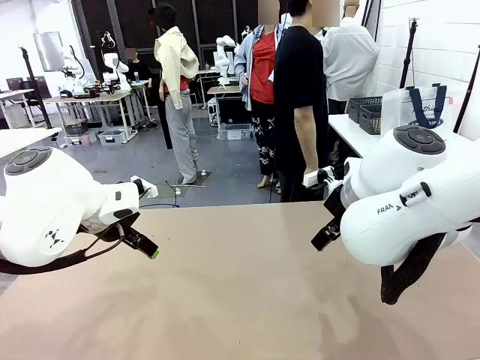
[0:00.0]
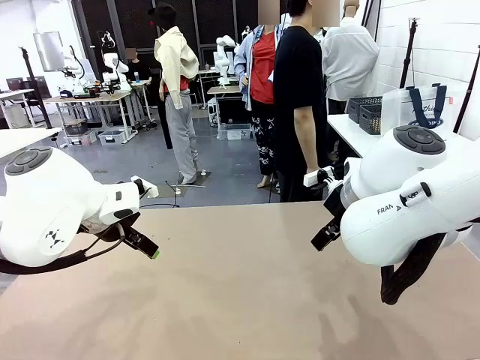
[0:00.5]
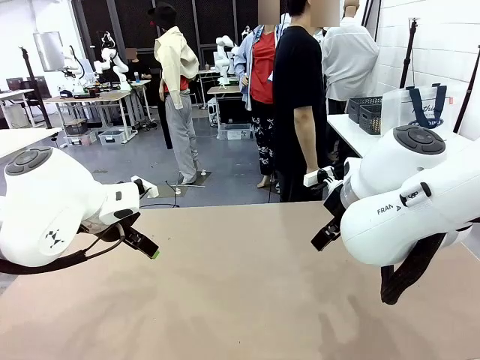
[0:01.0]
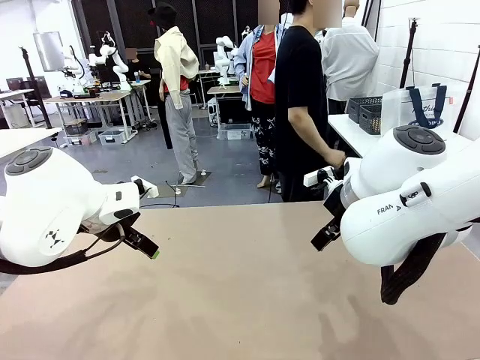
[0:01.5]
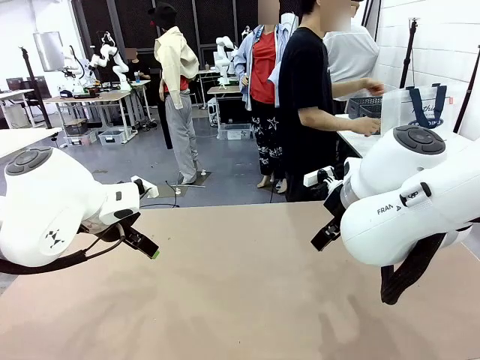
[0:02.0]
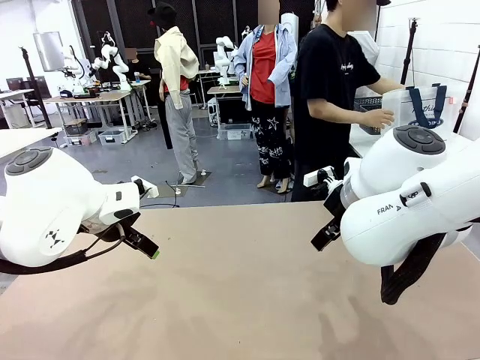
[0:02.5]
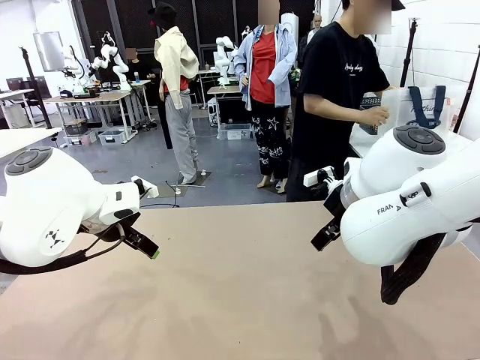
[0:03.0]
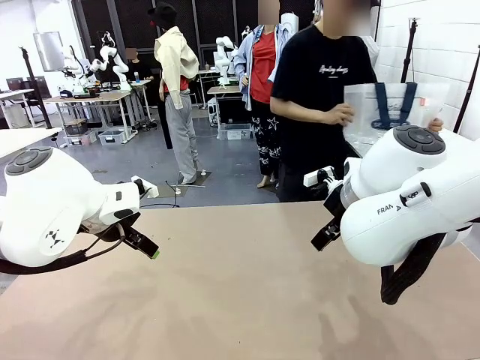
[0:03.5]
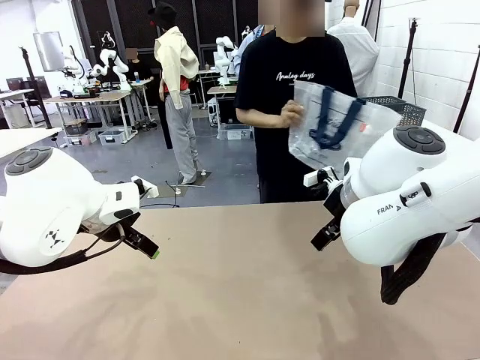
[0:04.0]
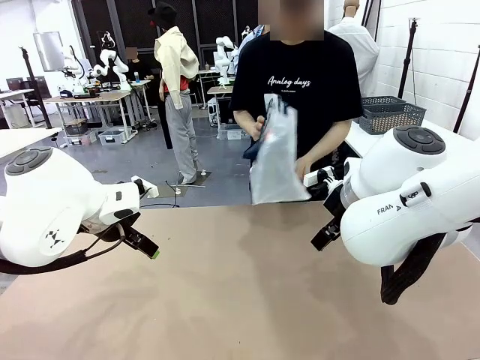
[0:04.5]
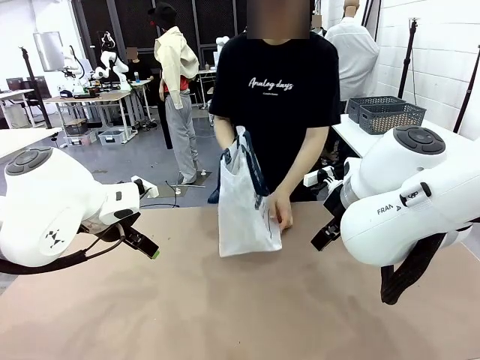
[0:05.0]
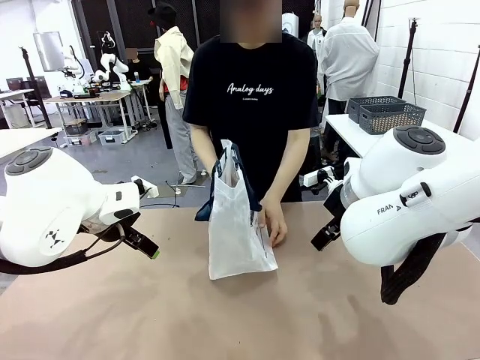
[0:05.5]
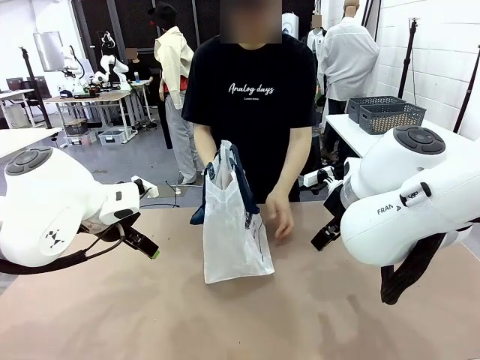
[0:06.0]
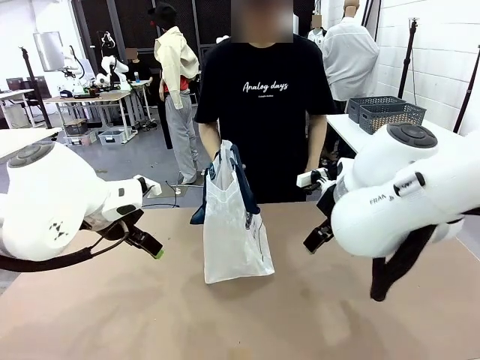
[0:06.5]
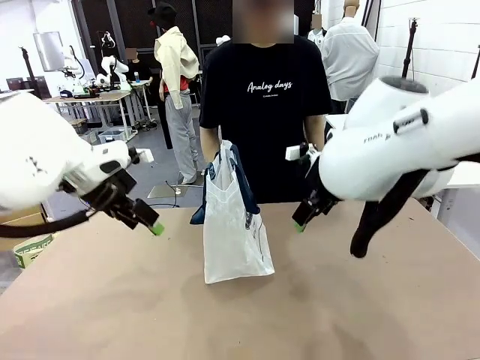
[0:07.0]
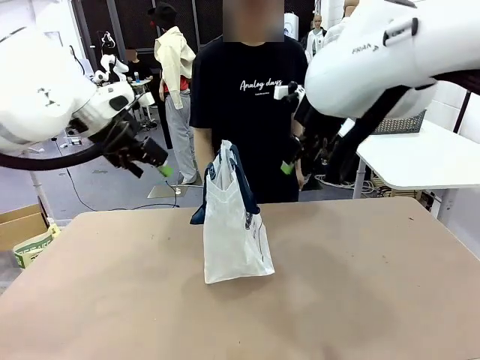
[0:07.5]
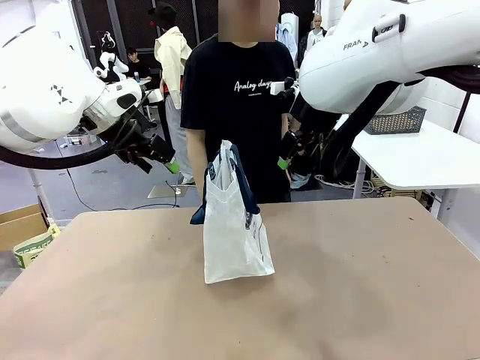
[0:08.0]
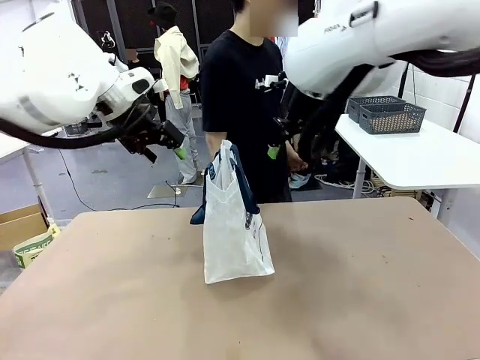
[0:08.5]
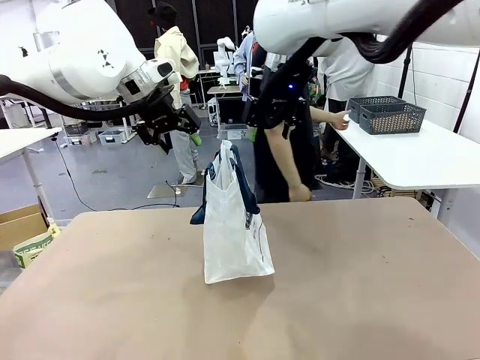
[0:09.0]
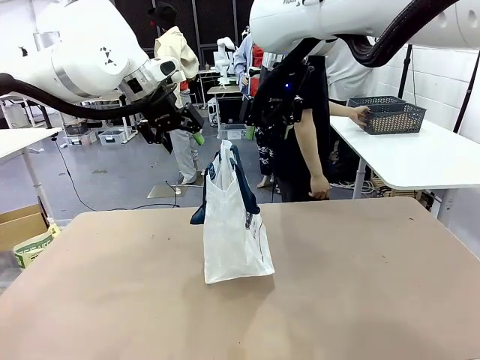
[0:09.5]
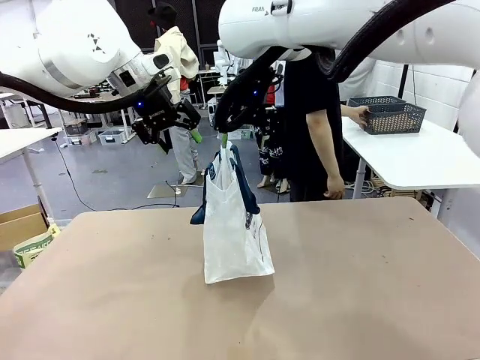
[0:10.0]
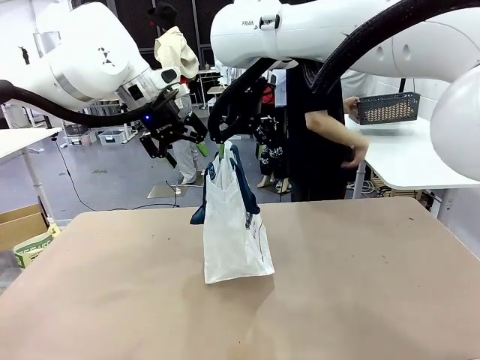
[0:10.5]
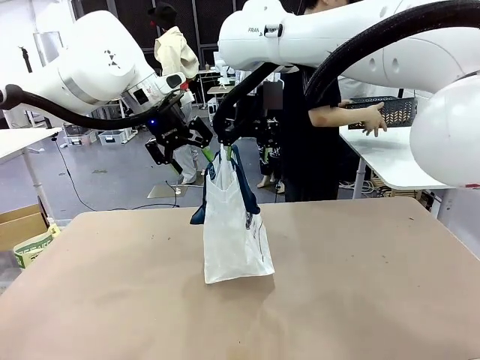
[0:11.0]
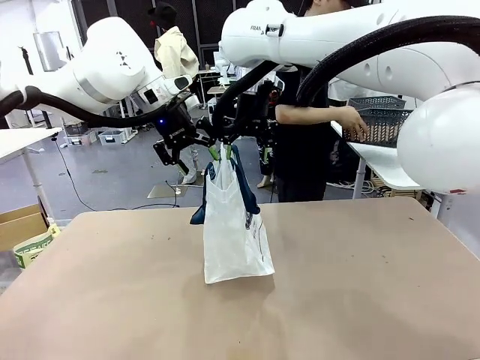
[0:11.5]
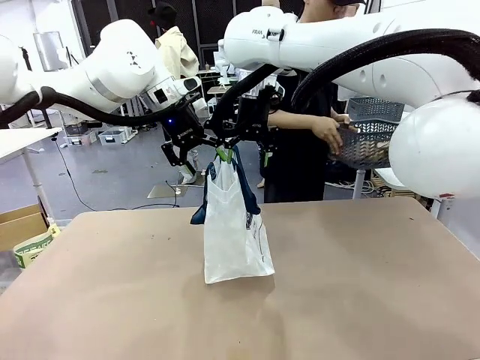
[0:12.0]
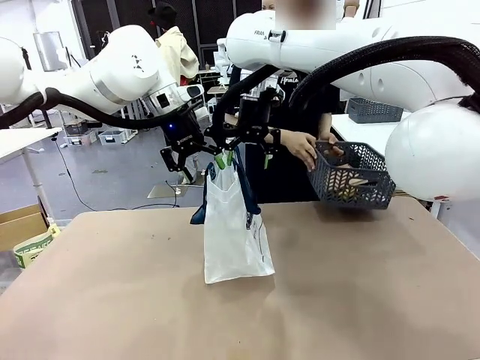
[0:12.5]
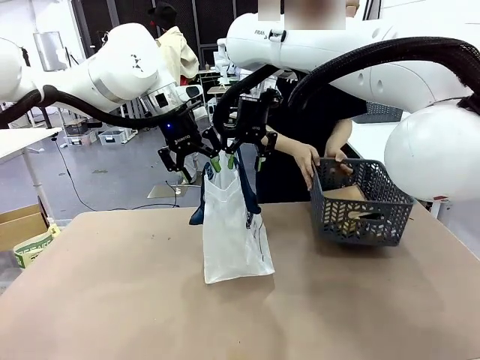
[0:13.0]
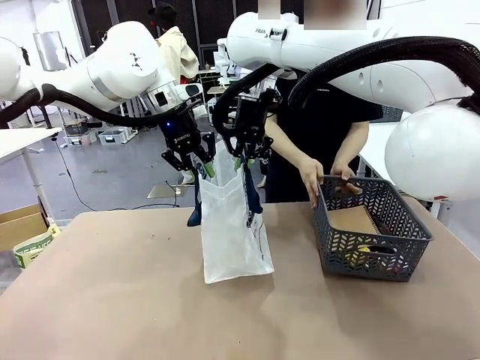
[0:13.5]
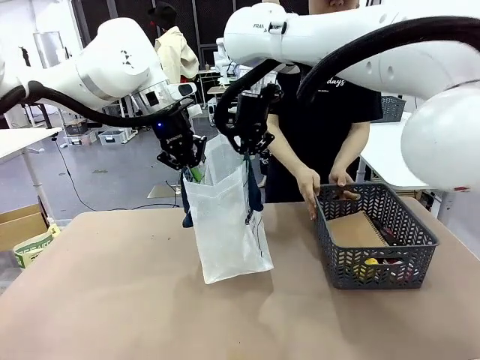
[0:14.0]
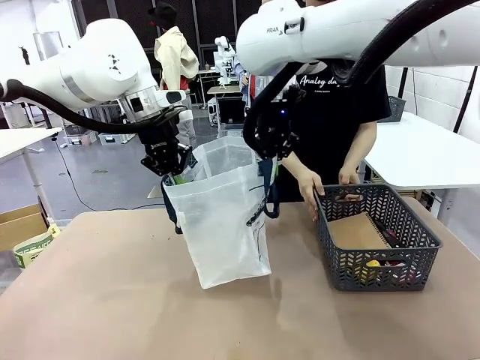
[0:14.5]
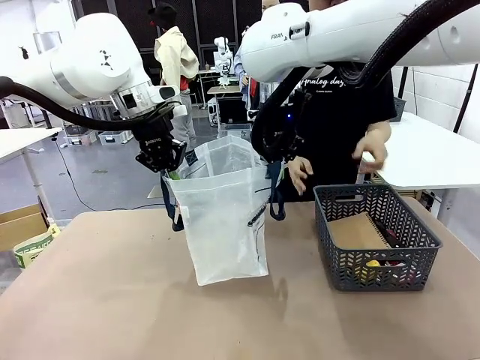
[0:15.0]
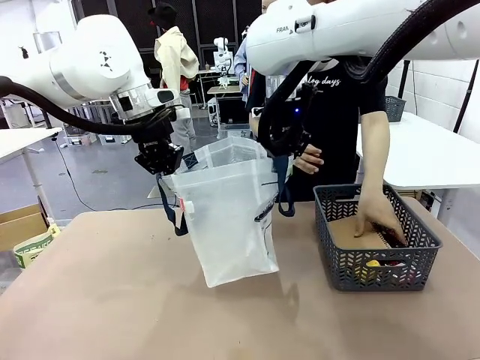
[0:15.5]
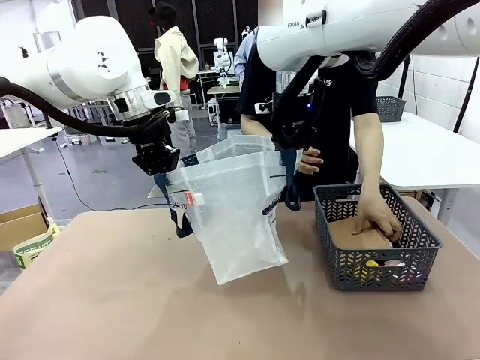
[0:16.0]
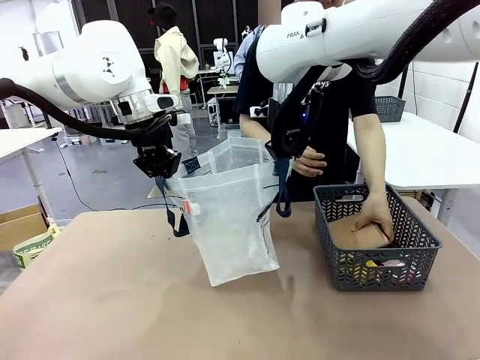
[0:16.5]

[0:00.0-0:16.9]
Task: Transfer purchased items from the store into the shopping bag.
Robot: Open the Reusable shopping bag in the center of the table.
Person: Pick up the shopping bag and place it in the middle of the robot table.

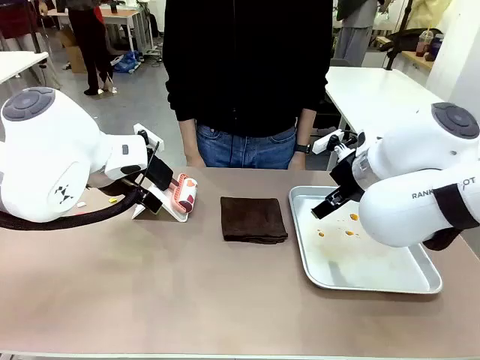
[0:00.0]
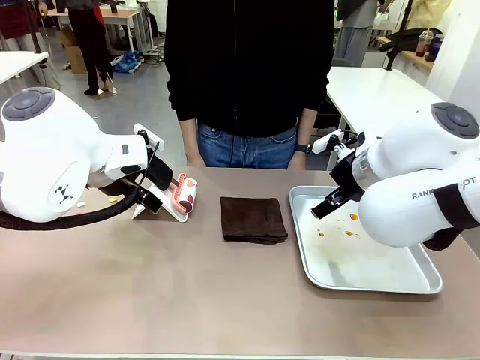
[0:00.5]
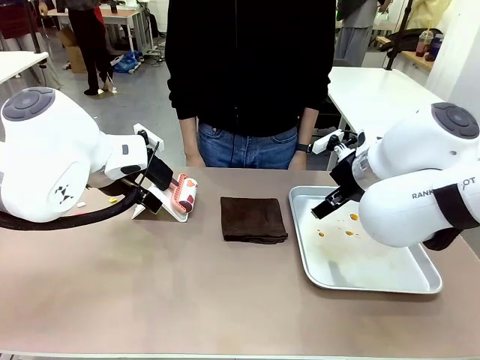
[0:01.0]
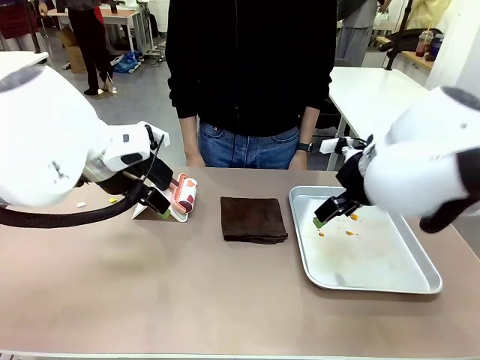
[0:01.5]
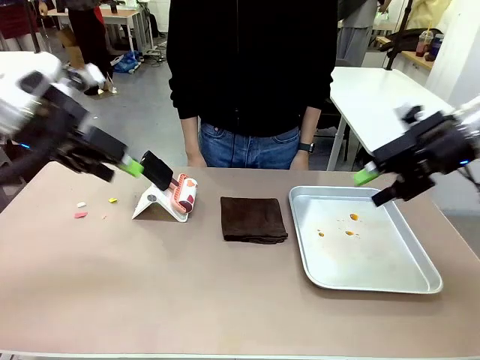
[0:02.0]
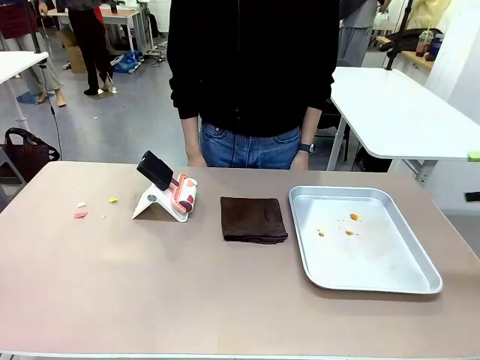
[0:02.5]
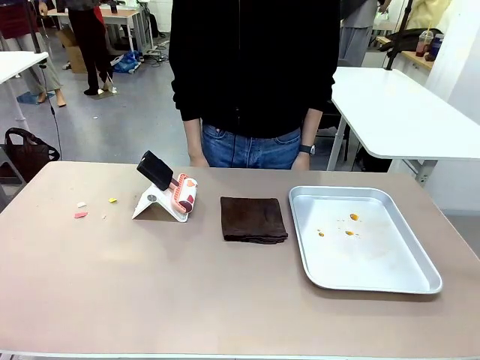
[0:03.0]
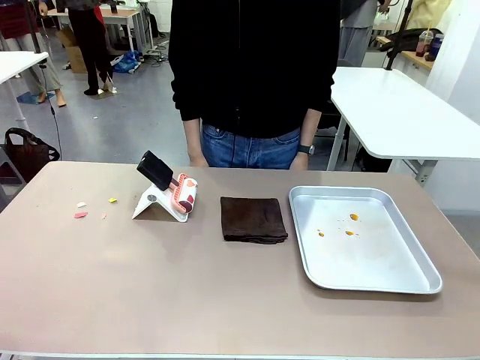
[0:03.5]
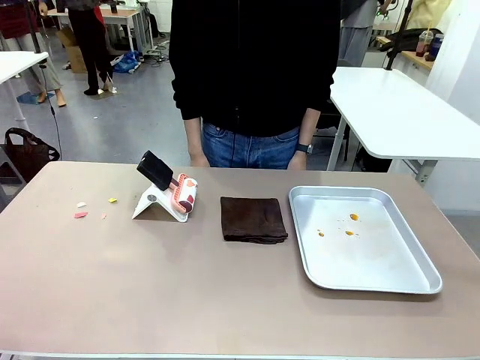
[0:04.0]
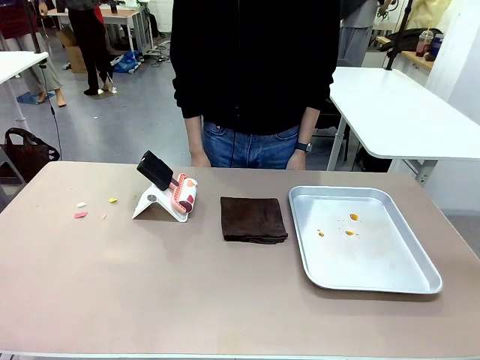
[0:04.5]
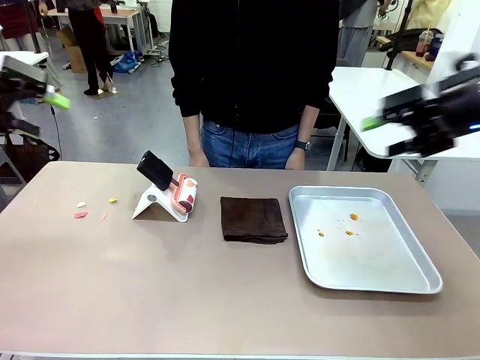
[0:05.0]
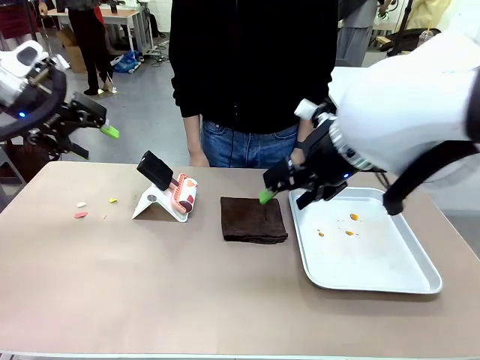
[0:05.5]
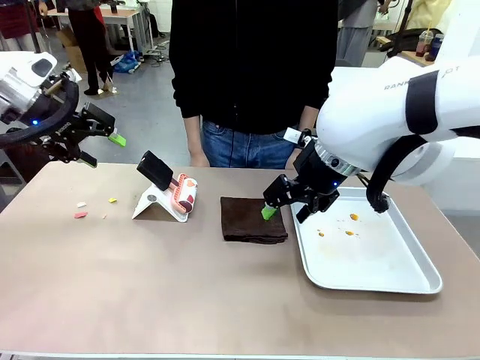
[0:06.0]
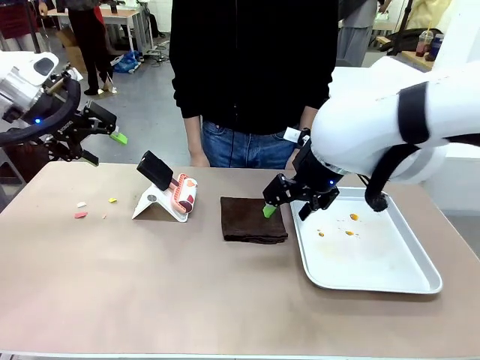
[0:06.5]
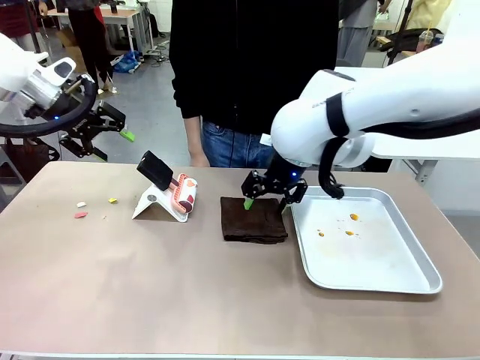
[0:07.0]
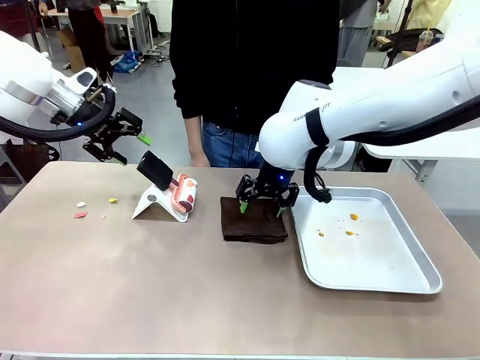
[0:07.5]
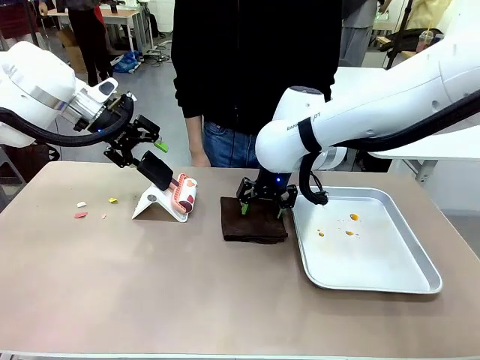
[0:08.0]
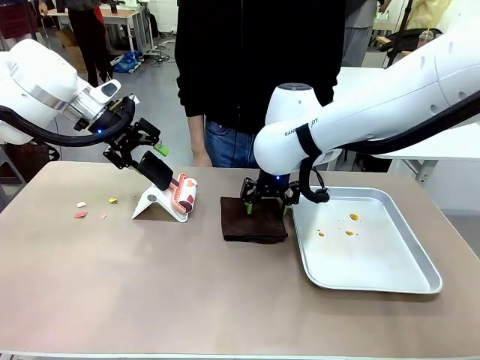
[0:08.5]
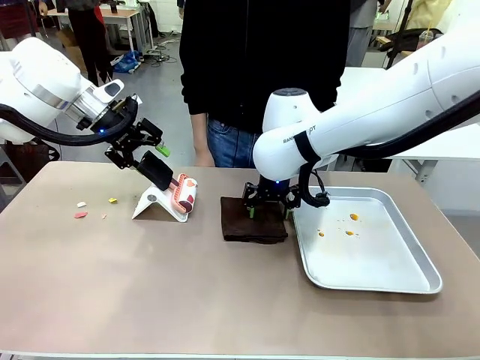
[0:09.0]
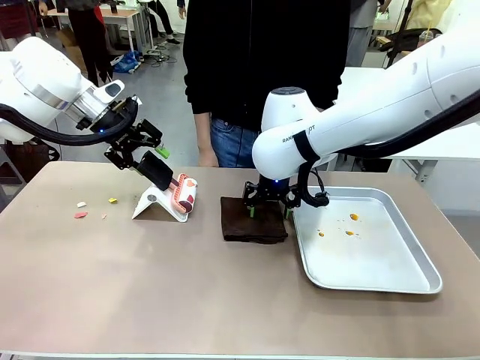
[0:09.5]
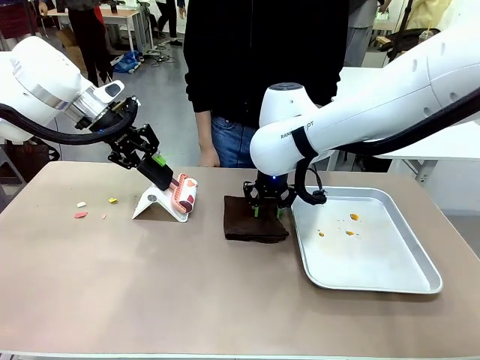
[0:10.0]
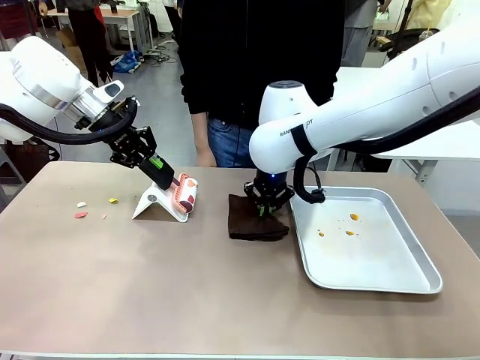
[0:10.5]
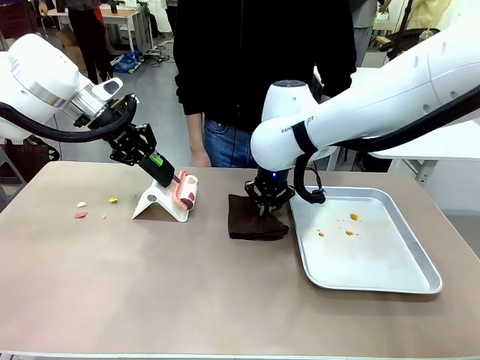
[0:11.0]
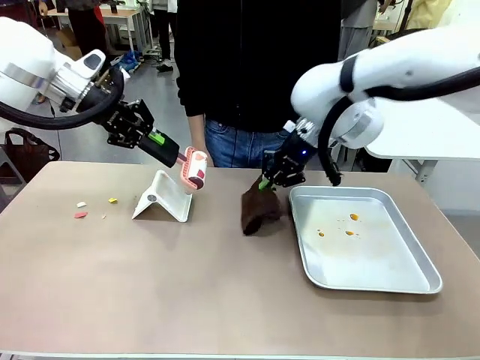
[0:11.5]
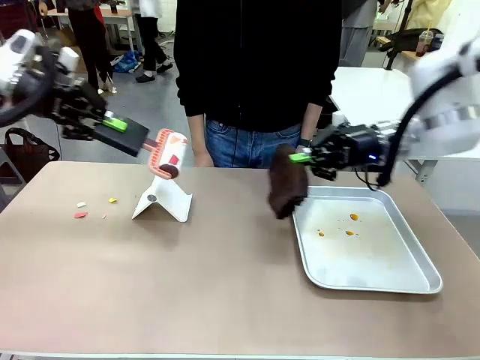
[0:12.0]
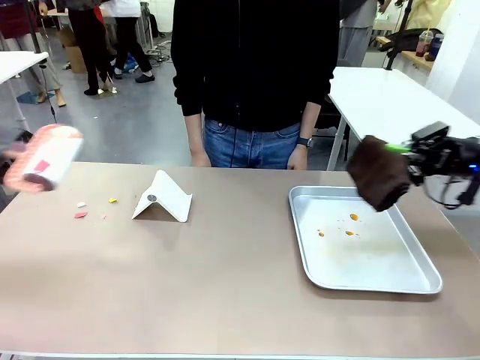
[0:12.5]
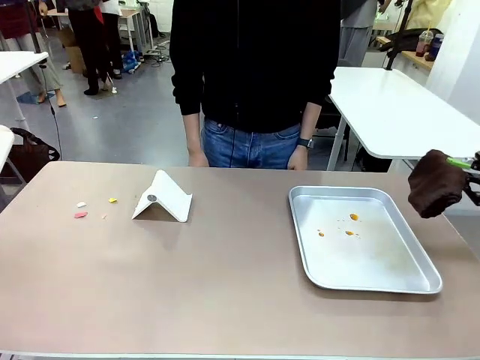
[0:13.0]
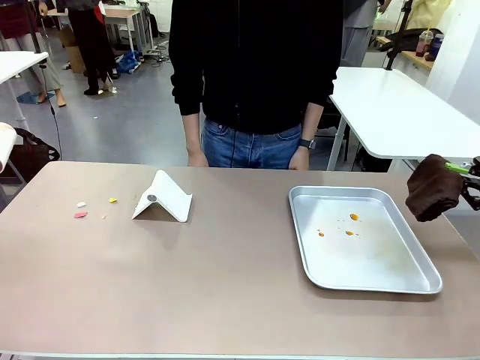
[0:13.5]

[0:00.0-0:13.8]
Task: Clean the surface of the table.
Robot: Hold the Lint Roller with your left hand and the towel with your right hand.
